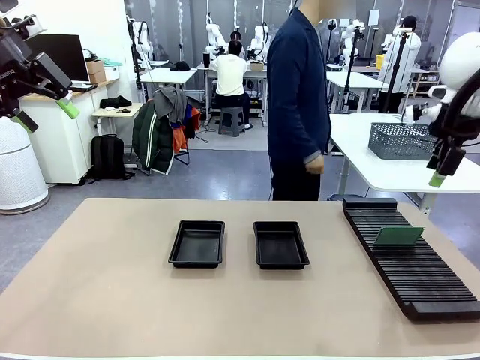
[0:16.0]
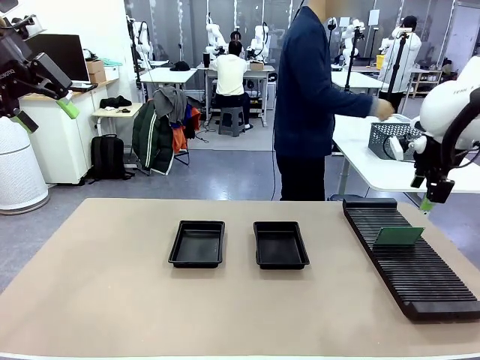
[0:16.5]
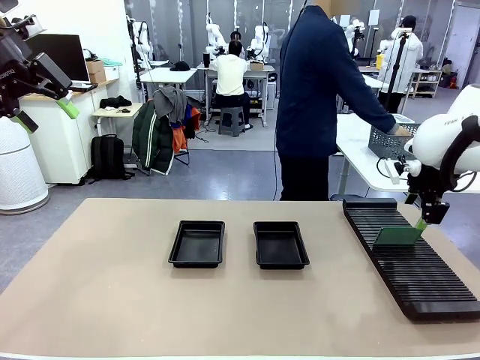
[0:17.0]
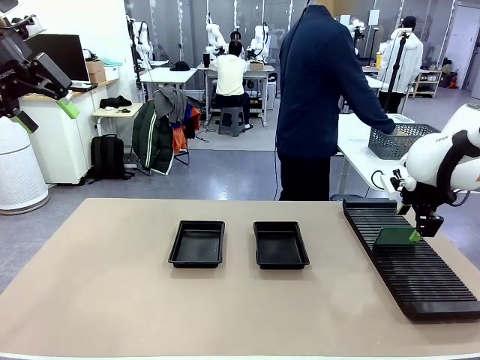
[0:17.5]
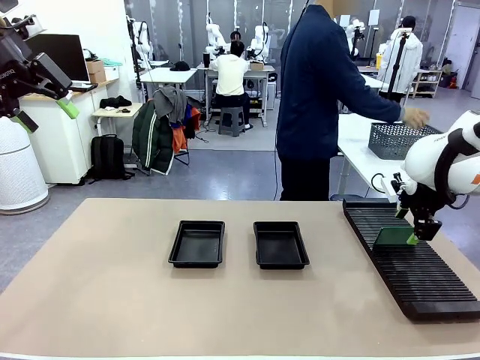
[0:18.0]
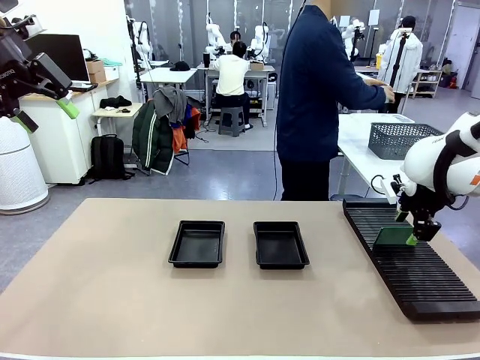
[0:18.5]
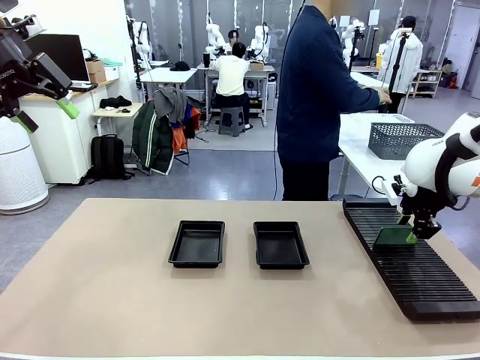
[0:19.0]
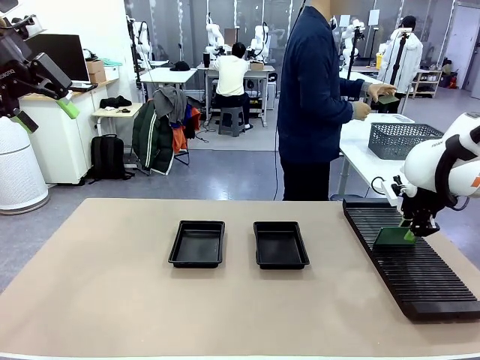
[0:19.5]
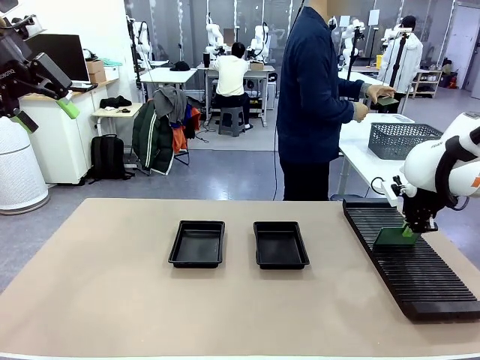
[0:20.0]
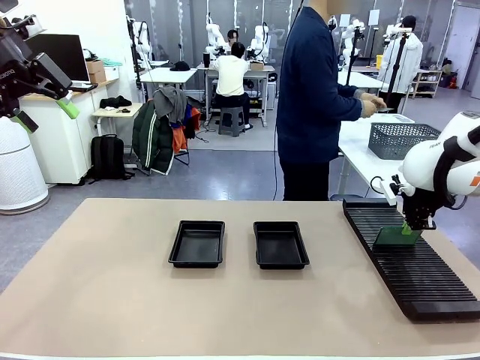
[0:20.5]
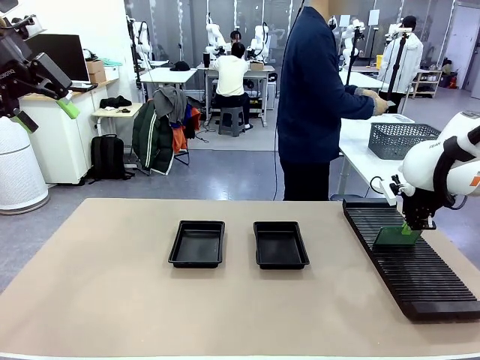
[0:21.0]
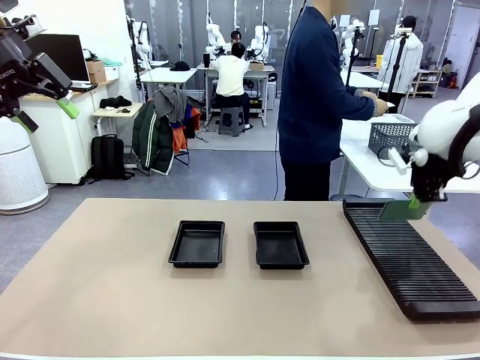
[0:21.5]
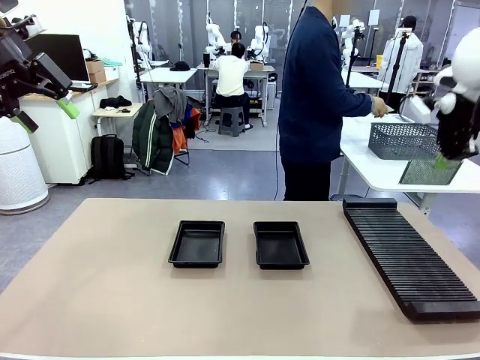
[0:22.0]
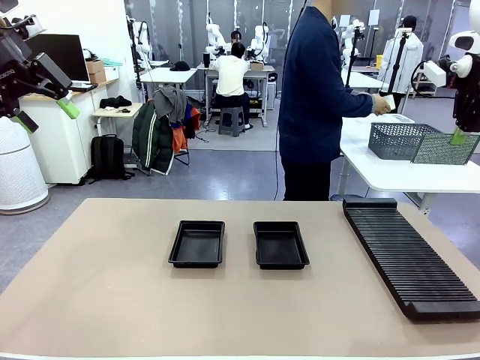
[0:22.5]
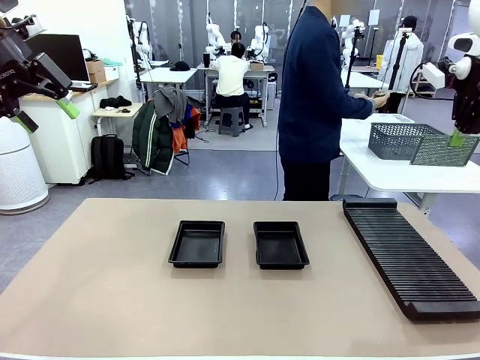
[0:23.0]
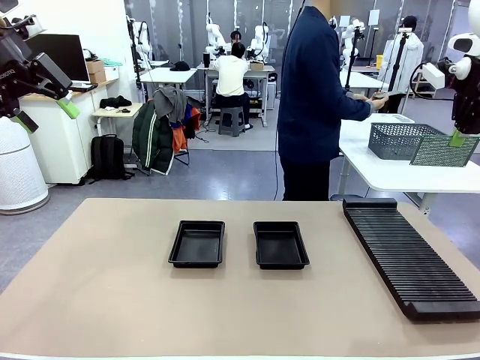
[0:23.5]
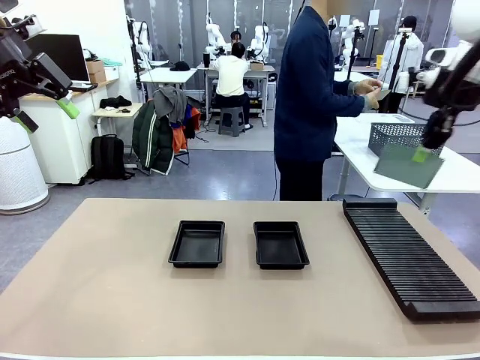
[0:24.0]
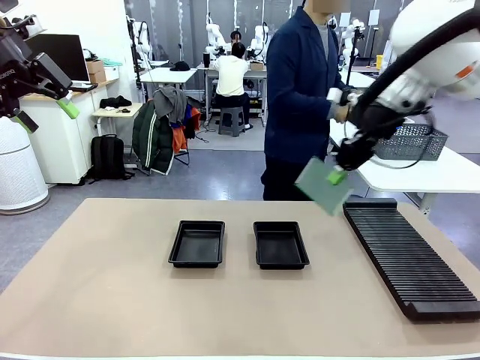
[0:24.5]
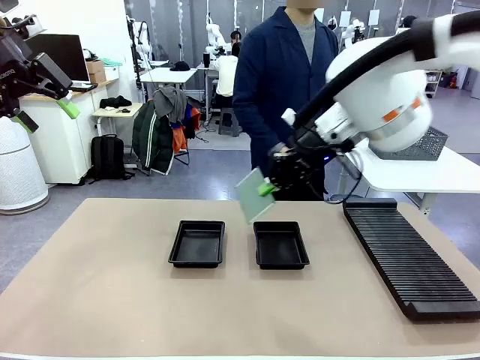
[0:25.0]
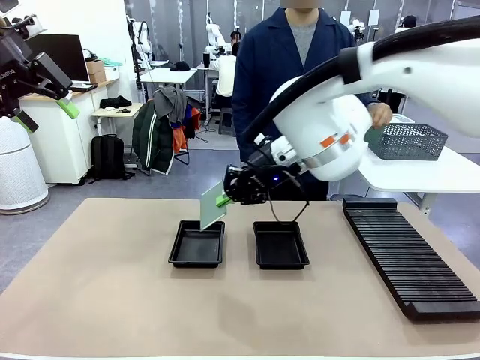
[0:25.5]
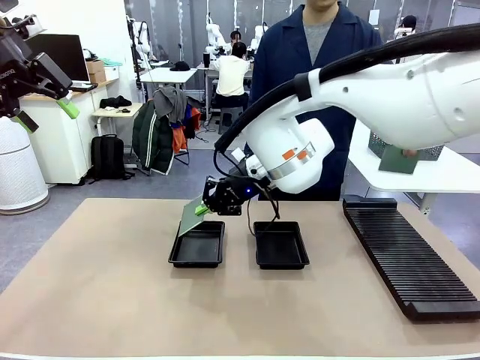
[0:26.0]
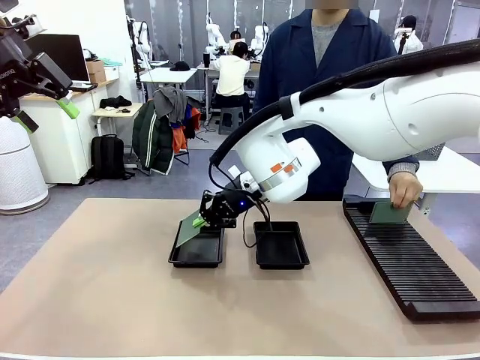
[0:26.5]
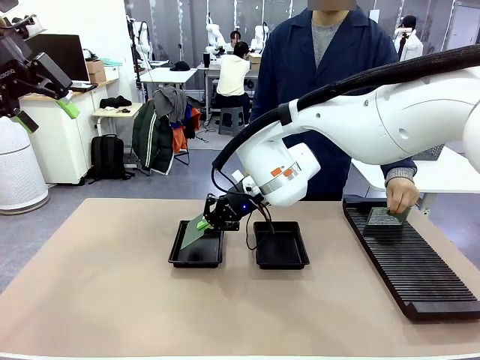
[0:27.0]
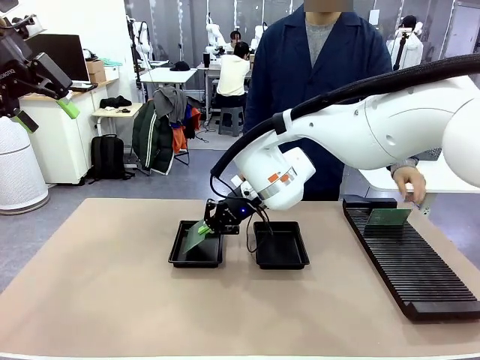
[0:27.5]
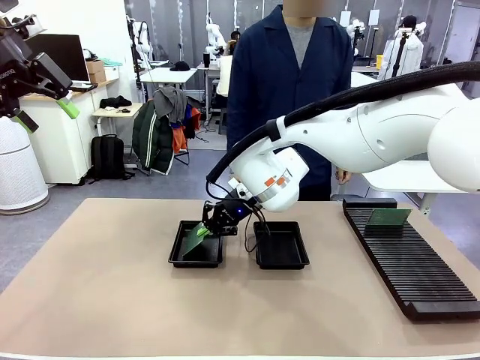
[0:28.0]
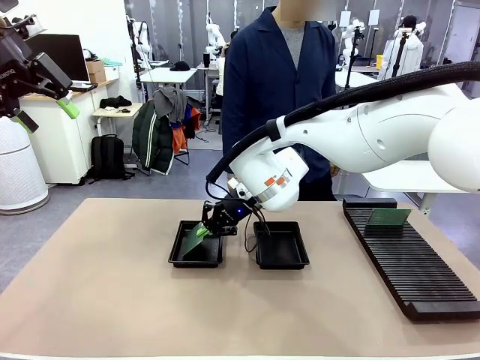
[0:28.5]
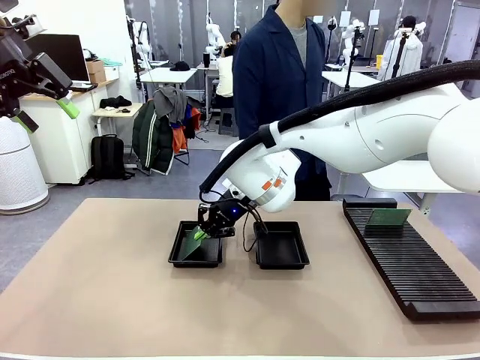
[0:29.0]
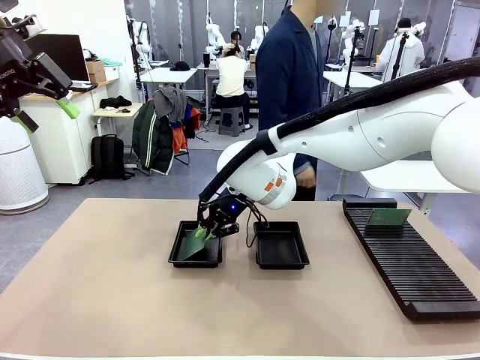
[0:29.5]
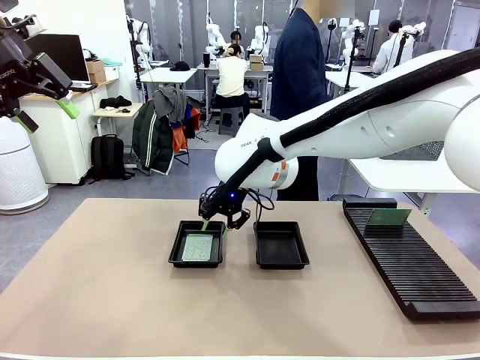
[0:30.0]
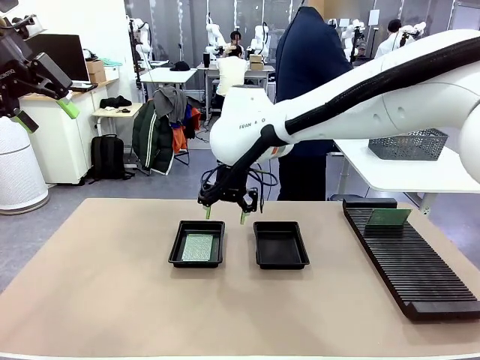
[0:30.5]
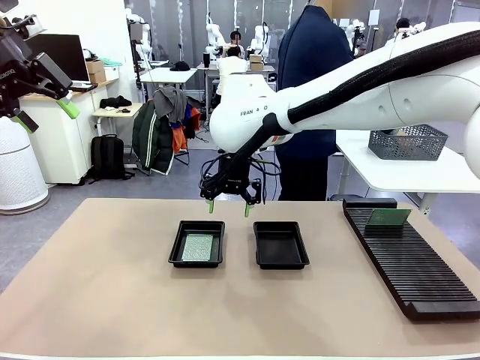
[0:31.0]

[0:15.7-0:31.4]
Task: Inspect and transfer BCBs to ESD trays.
Robot: Pick up the Blank PCB from the PCB Rack and place it in the left ESD tray.

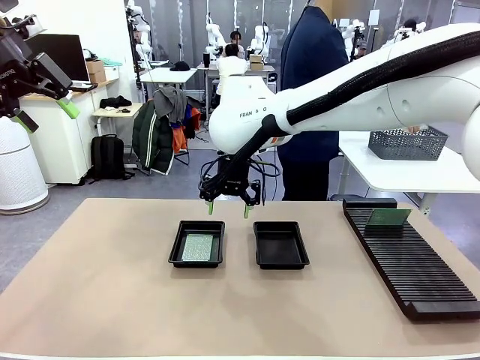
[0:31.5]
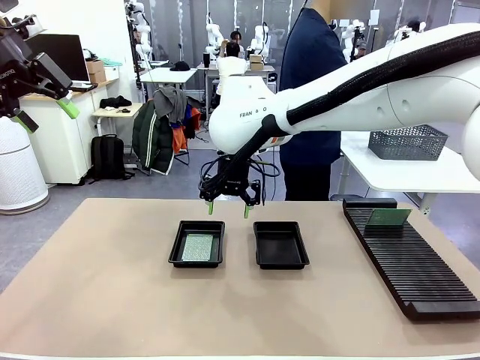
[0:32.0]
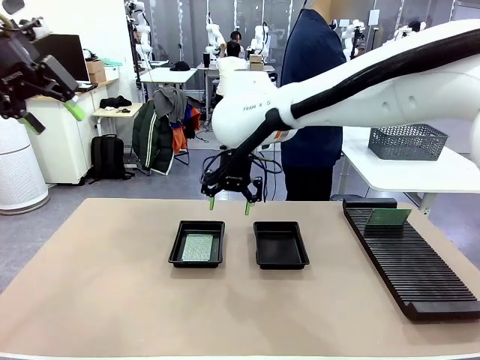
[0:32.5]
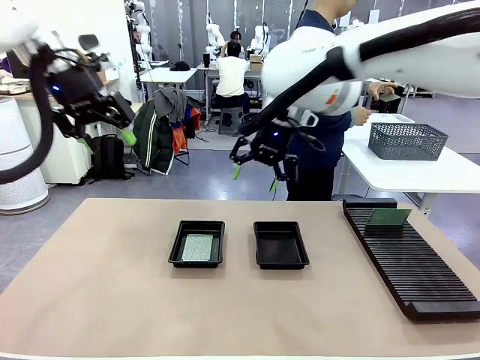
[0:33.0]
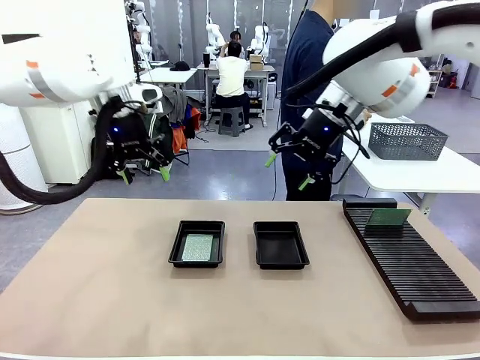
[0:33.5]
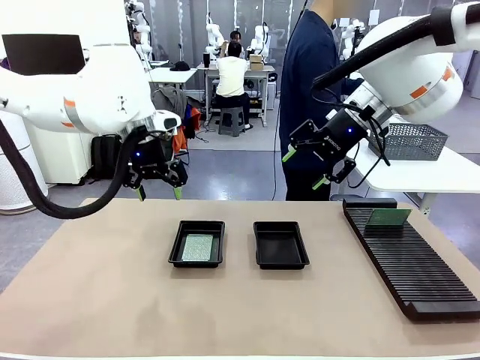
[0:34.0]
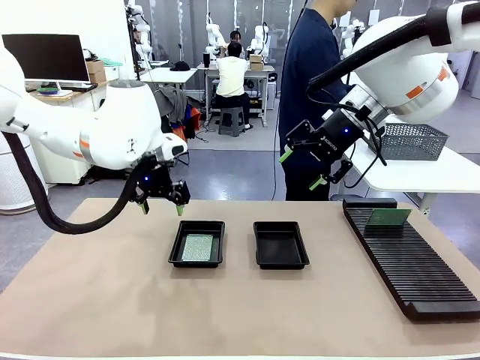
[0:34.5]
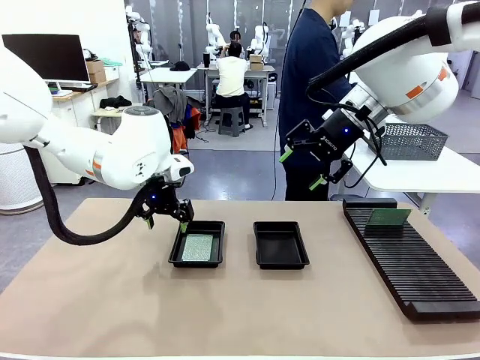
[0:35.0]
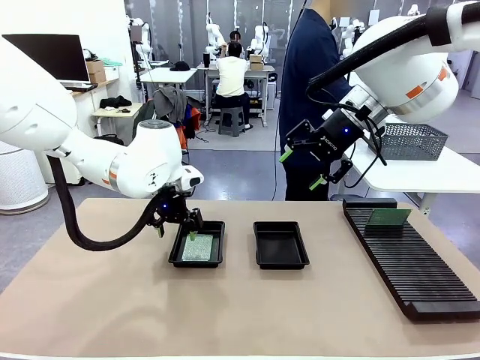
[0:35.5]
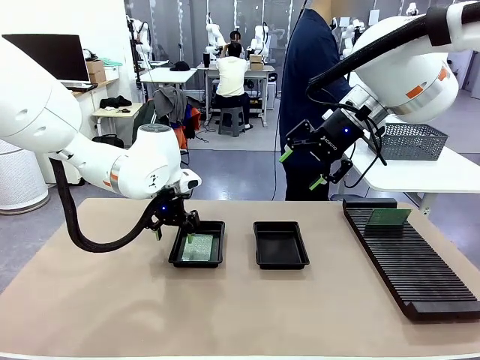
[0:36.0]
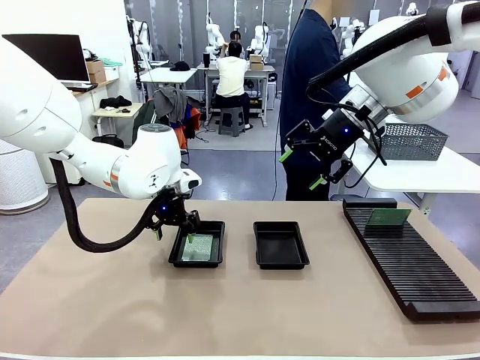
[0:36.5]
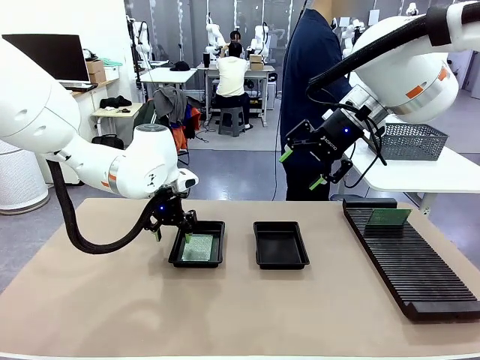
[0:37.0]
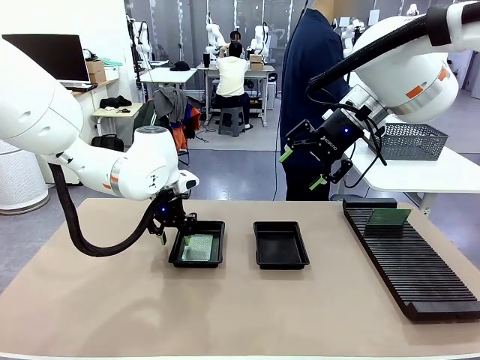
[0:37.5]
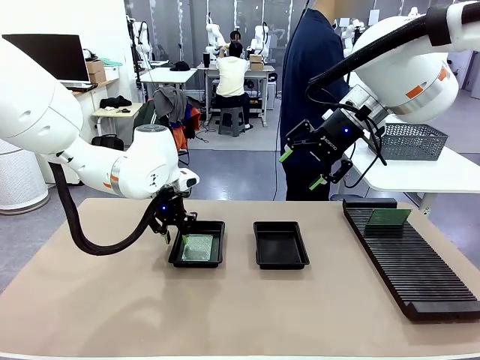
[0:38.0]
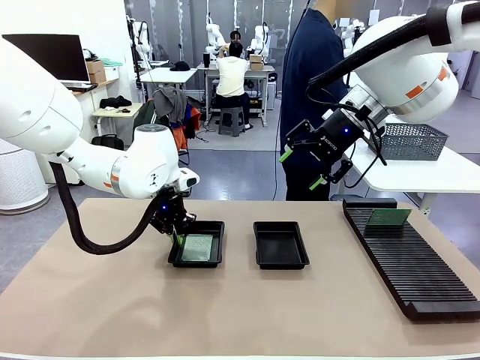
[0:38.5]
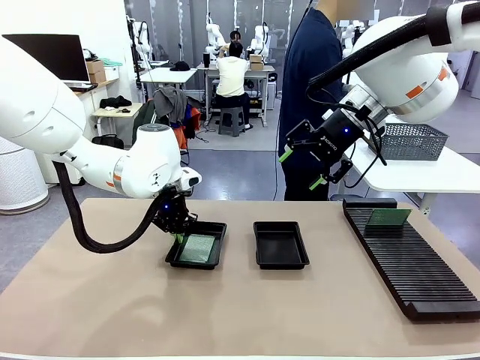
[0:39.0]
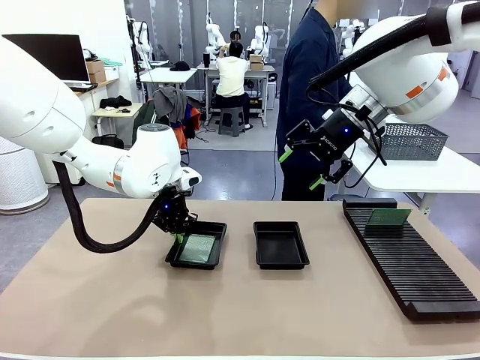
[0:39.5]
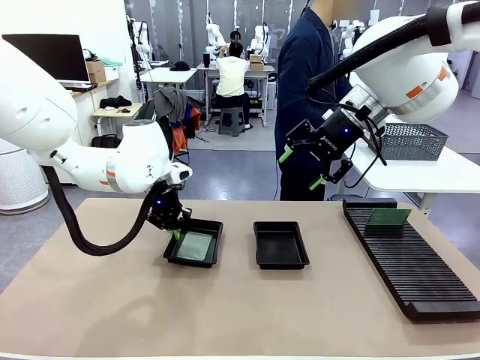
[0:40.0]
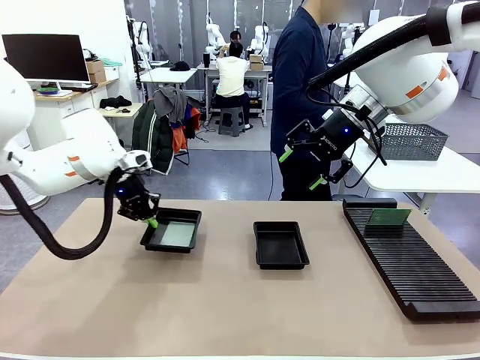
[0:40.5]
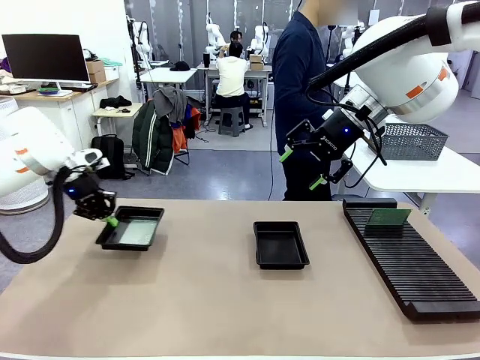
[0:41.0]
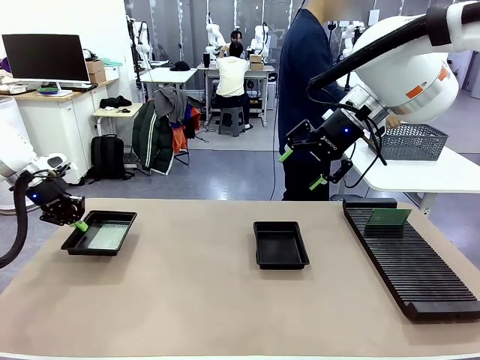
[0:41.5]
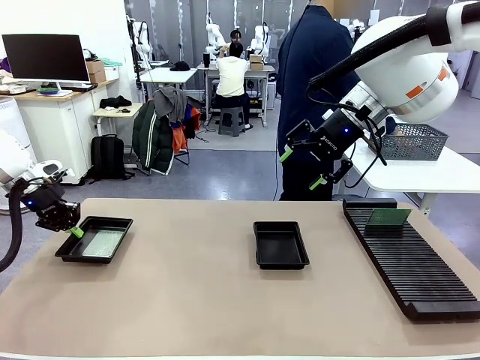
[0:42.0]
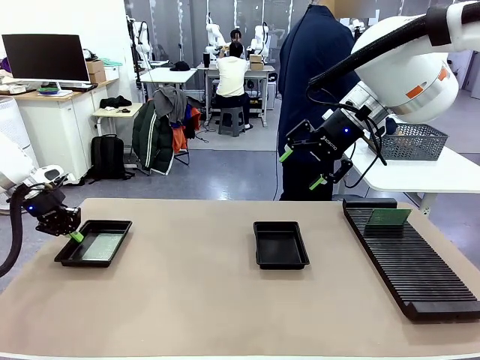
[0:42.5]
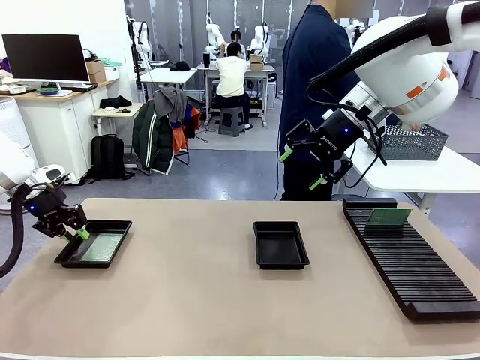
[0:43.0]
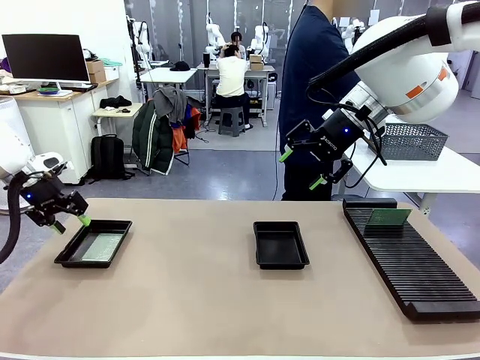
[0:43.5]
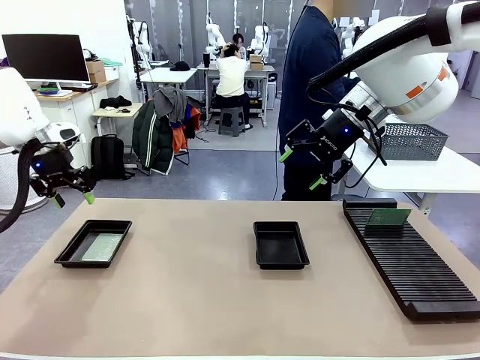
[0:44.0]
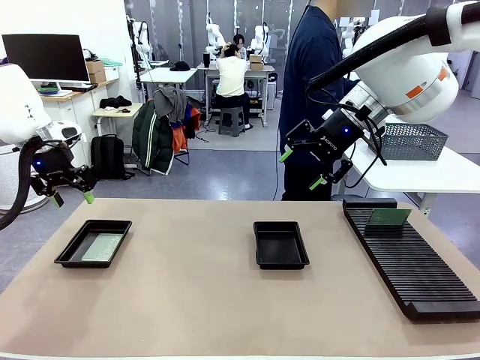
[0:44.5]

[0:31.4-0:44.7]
Robot: Pick up the ESD tray and place it on the left side of the table.
